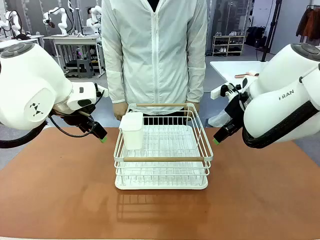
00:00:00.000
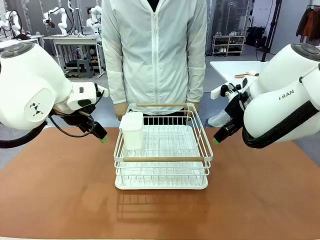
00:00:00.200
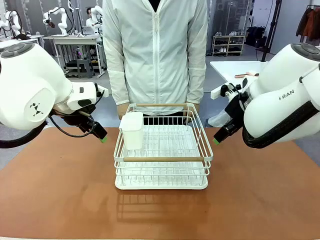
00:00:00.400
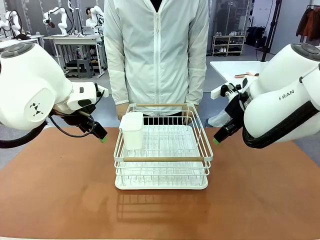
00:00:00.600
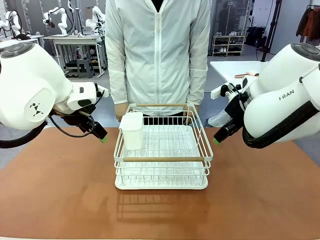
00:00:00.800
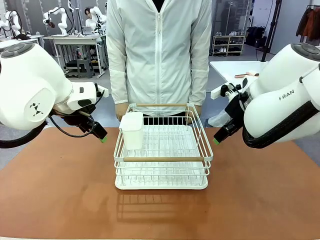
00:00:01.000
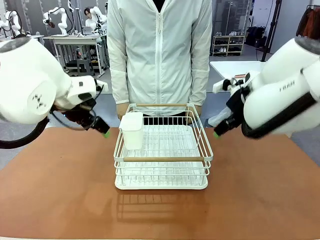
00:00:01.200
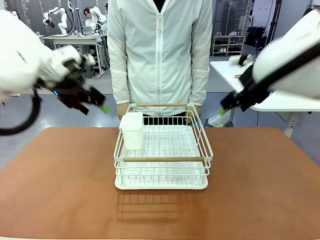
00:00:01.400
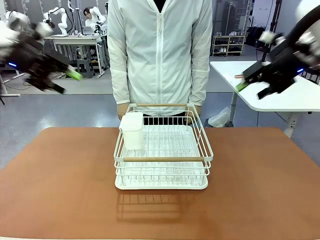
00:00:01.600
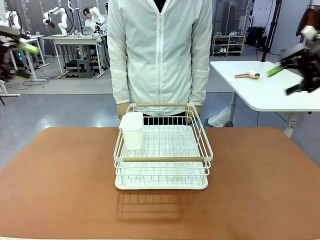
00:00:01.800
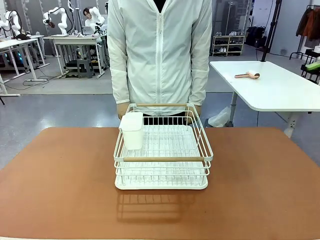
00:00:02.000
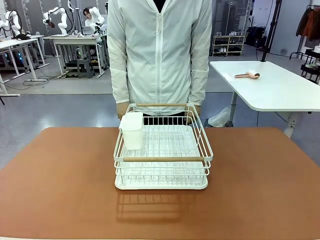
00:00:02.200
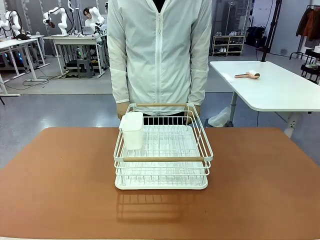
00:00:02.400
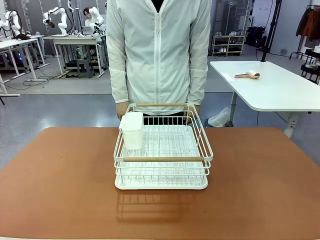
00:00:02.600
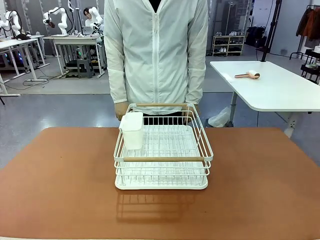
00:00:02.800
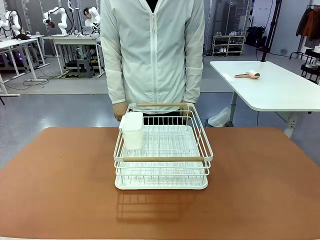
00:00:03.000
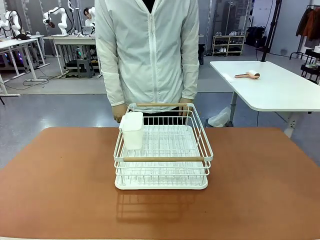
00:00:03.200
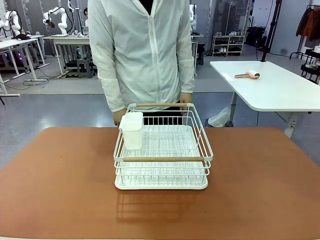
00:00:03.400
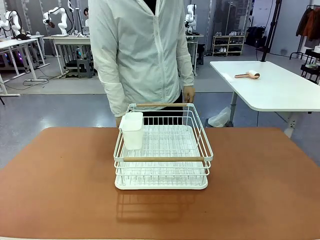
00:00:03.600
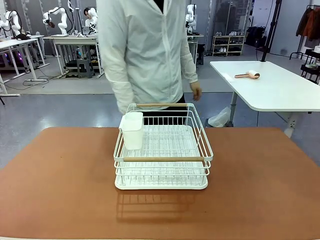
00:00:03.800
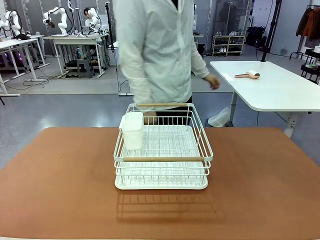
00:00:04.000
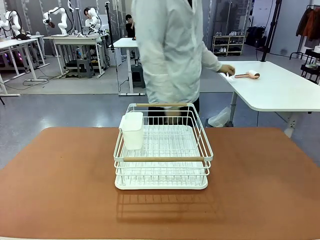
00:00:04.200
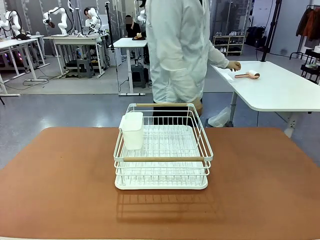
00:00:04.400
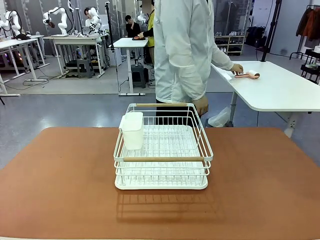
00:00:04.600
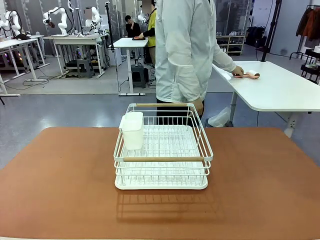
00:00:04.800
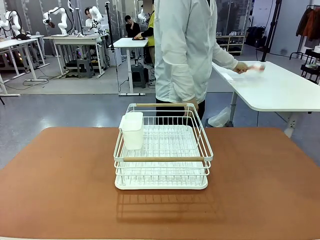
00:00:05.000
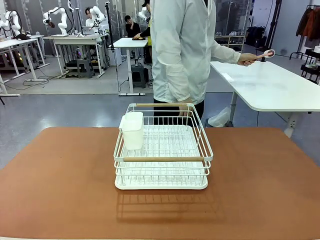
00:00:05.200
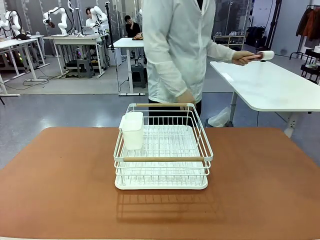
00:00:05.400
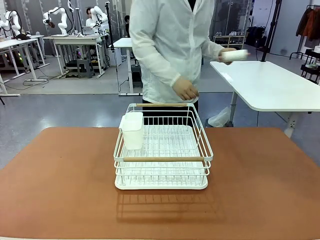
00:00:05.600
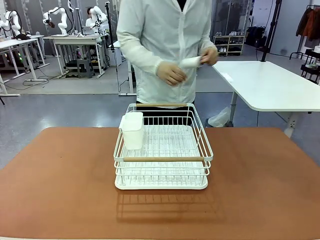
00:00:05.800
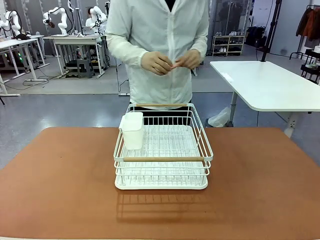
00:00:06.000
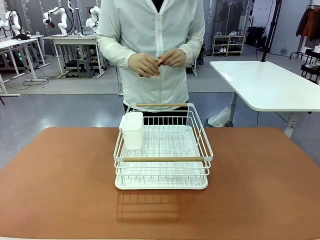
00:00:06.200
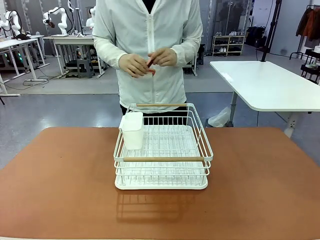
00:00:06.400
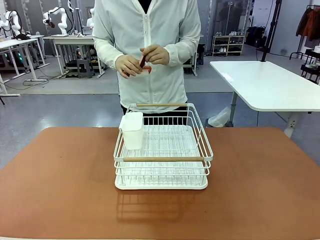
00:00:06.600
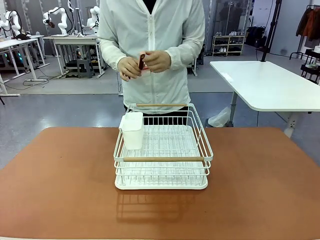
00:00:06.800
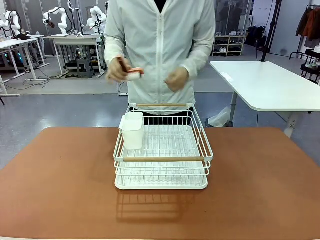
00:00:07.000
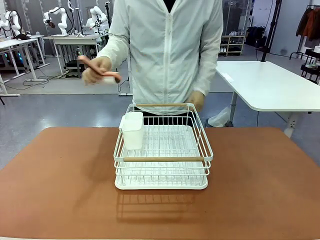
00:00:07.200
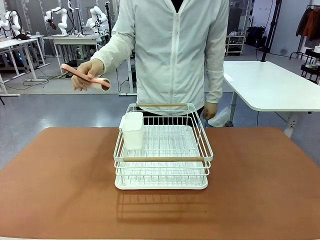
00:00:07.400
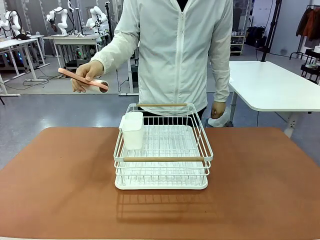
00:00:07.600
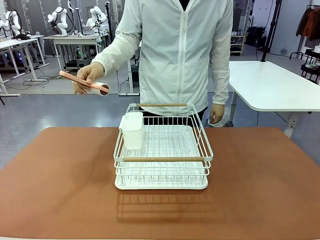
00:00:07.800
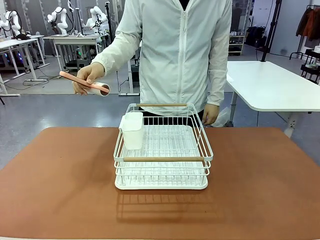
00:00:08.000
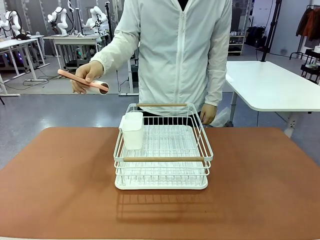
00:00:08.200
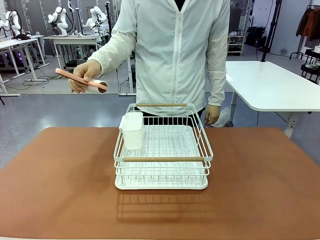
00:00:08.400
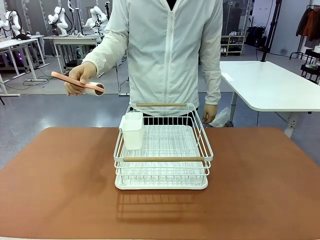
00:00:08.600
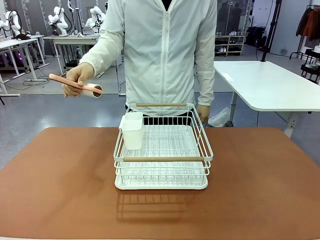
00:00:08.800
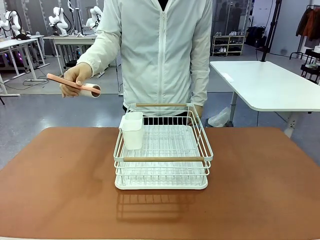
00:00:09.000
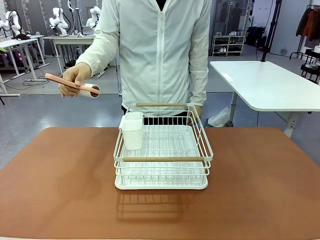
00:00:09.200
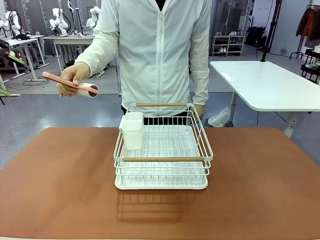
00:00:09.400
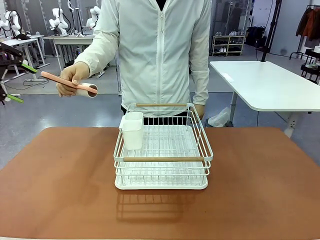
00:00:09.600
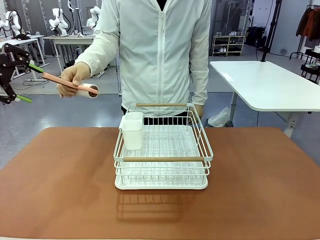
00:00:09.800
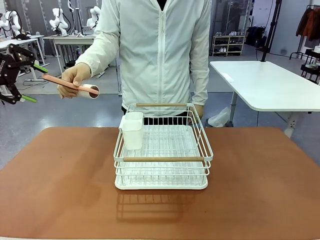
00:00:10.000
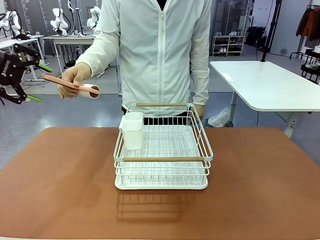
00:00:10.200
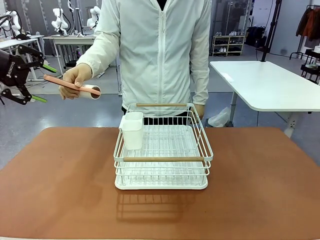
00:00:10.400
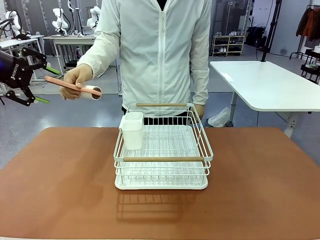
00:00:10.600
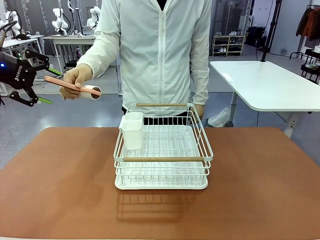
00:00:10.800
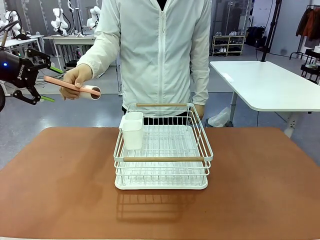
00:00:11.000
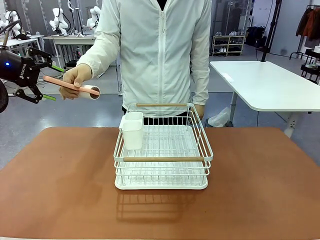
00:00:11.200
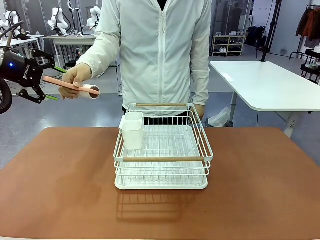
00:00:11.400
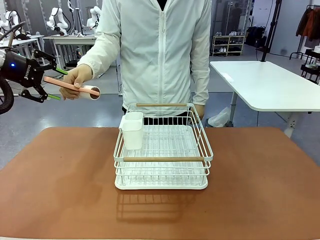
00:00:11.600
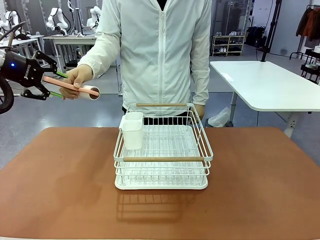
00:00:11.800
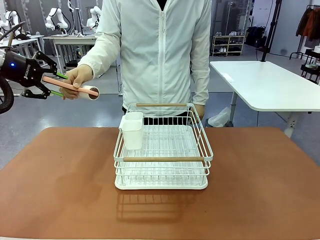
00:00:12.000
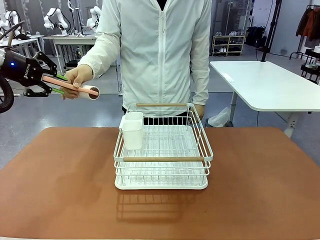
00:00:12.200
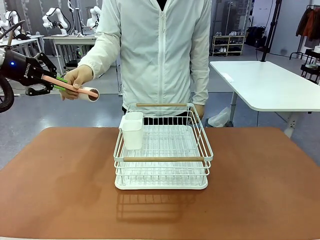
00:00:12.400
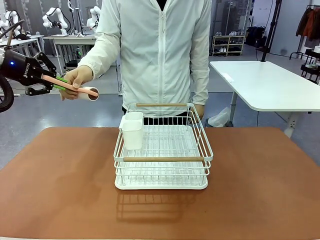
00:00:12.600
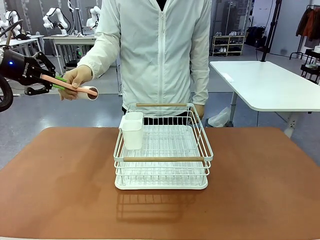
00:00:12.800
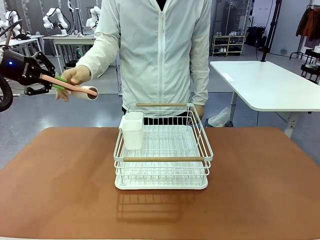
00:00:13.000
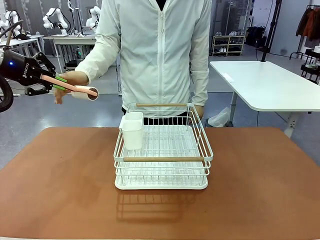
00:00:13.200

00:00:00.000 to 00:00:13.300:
Task: Clean the table.
Robot: Pick up the Lint Roller when the human hands it over.
Person: Hand the Lint Roller to the robot so it can easily pick it up. Lift the Dish drying rack.

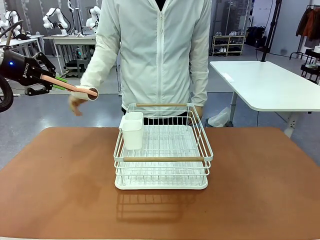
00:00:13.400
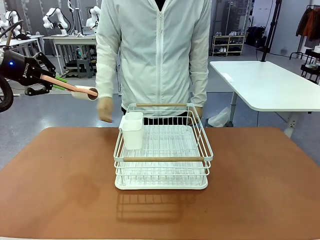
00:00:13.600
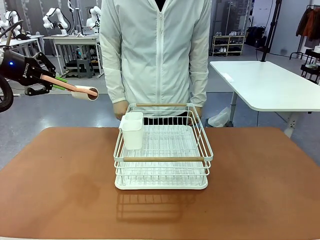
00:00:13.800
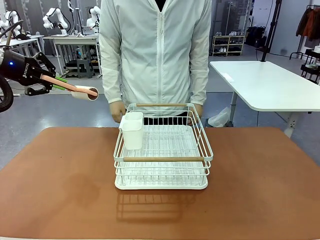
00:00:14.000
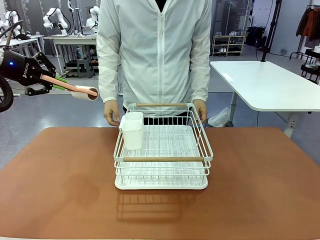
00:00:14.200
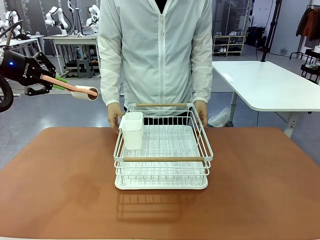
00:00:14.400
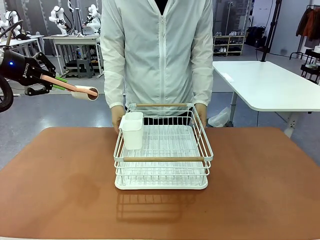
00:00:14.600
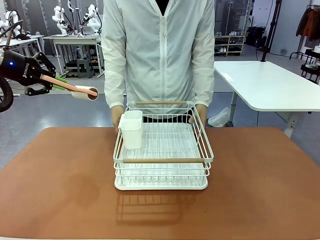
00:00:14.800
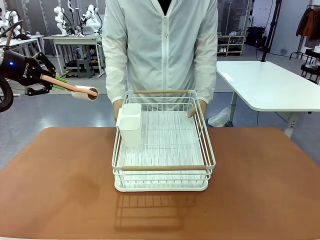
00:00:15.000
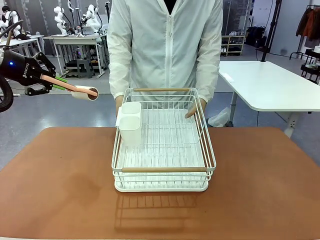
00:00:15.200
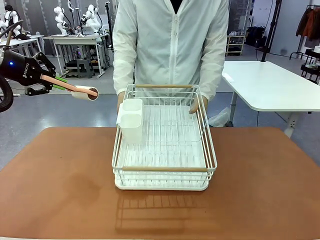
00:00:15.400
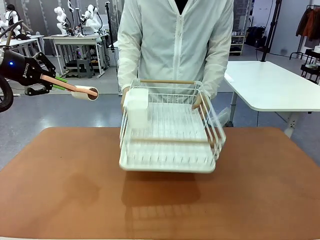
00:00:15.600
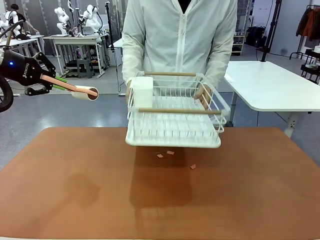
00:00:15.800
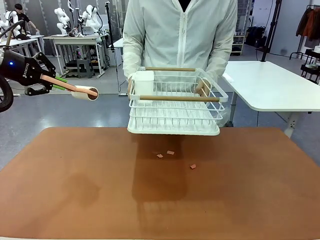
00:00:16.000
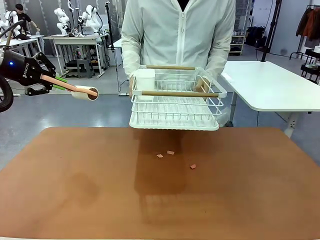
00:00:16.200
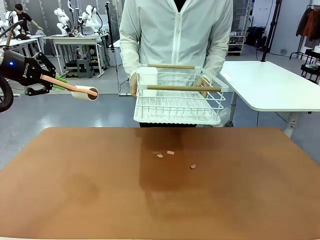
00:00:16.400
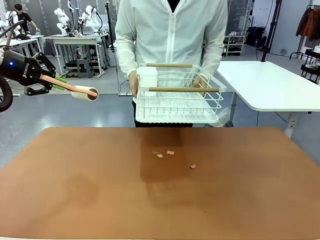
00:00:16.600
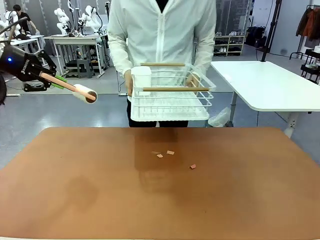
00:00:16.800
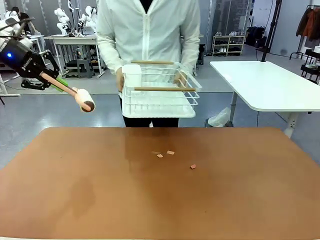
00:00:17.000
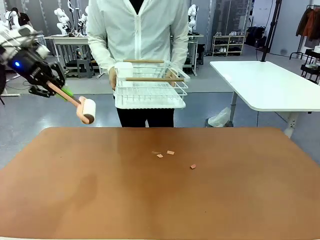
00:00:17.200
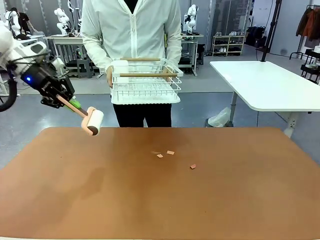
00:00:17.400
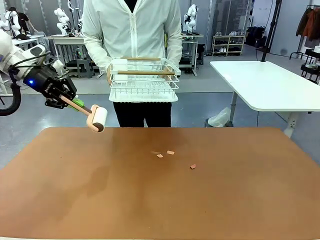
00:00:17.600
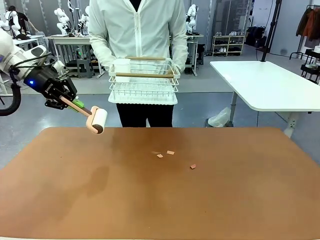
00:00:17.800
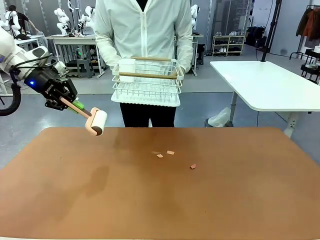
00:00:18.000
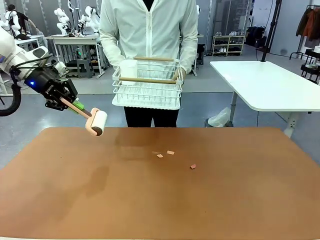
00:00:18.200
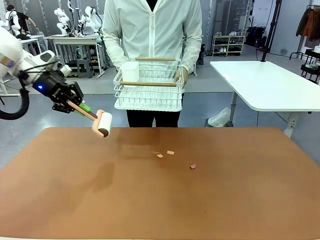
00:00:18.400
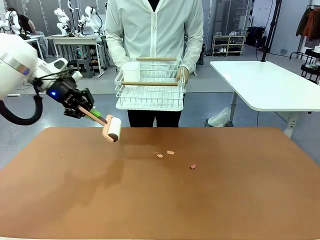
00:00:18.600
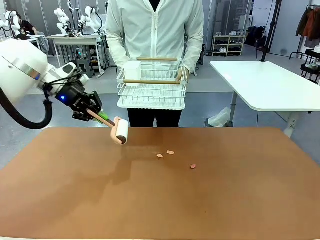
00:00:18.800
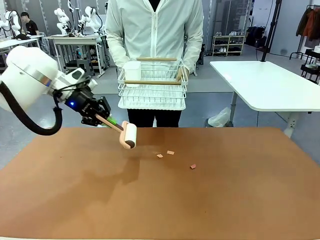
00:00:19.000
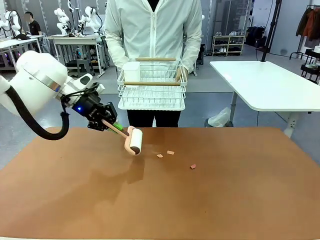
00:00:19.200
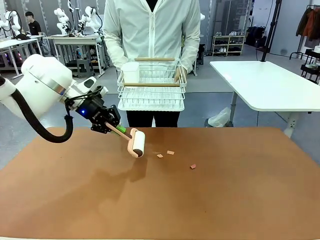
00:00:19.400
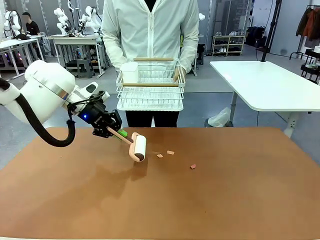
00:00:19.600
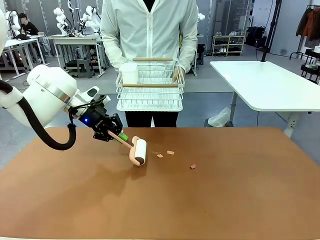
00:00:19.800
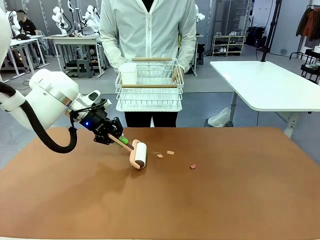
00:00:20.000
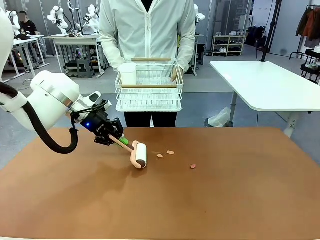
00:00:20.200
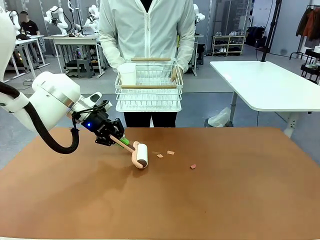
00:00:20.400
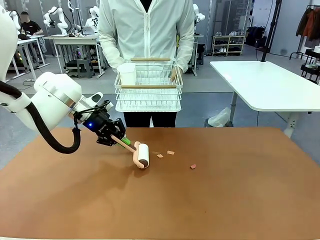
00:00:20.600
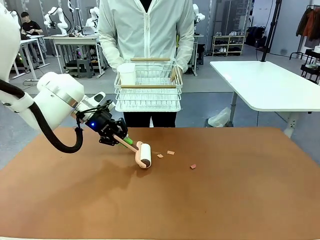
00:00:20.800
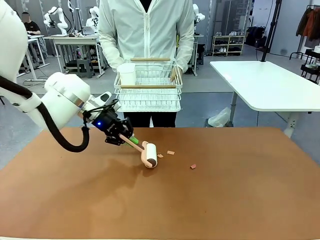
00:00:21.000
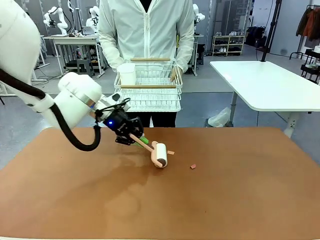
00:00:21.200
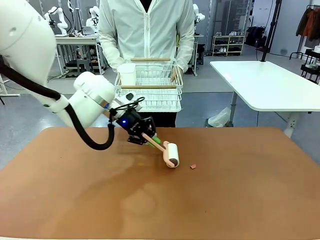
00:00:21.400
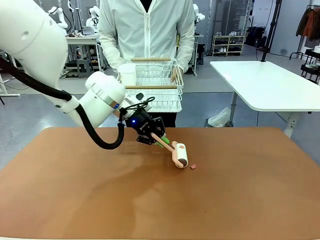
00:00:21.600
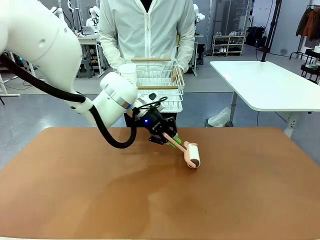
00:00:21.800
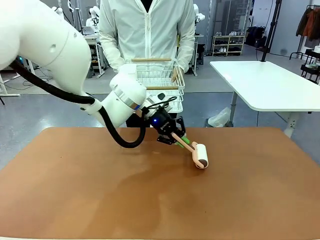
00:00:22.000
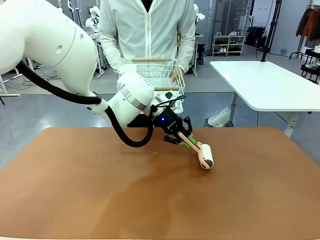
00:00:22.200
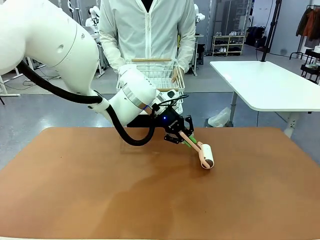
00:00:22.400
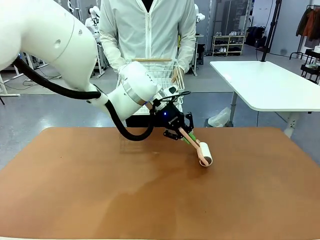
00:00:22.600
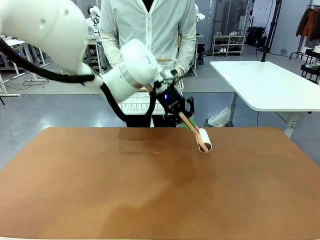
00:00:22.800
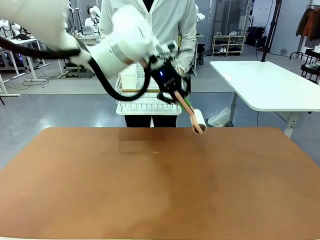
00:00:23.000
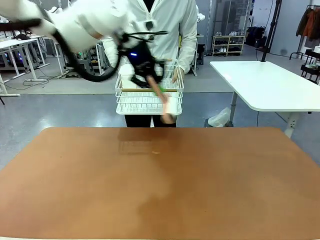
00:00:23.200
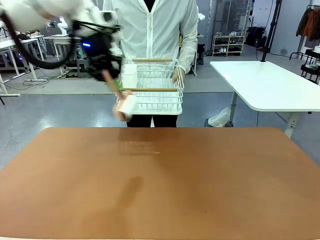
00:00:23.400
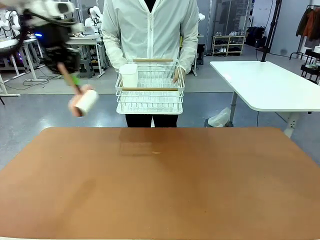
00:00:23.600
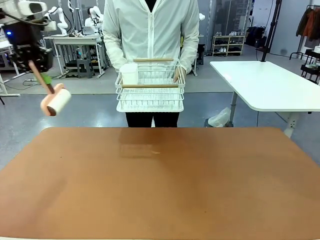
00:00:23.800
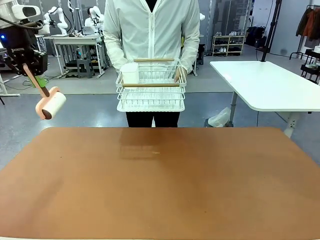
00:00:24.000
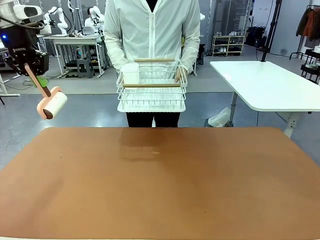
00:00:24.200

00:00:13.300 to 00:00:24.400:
Robot: Clean the table with the Lint Roller when the human lifts the Dish drying rack.
